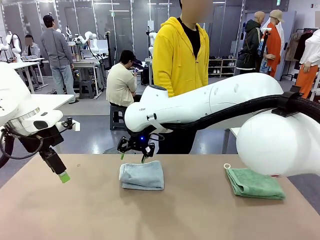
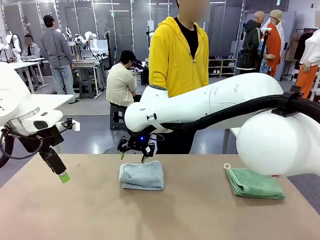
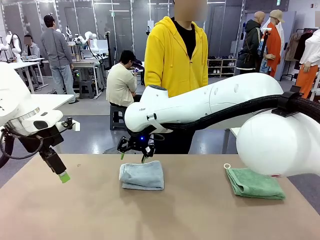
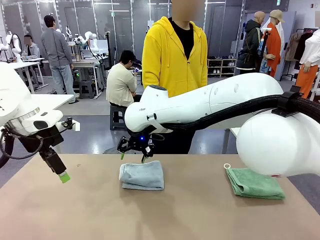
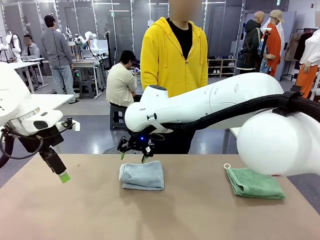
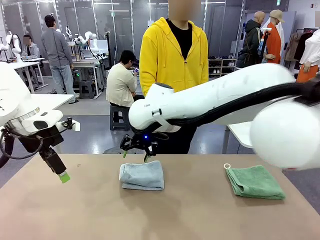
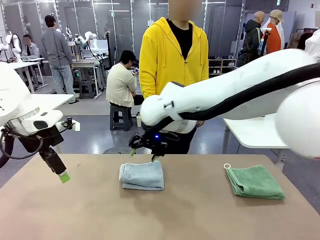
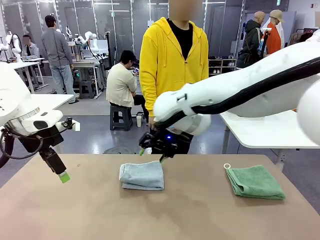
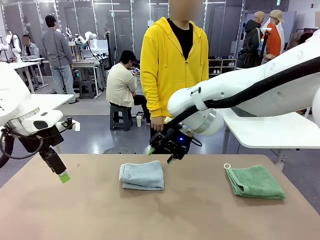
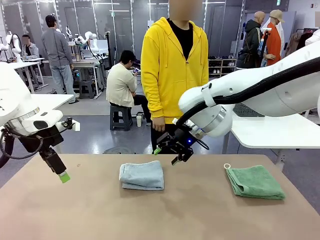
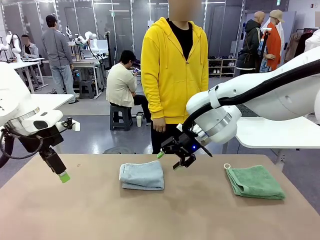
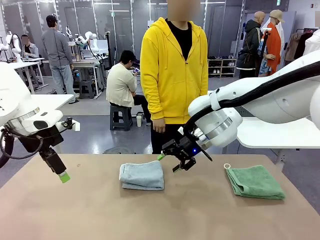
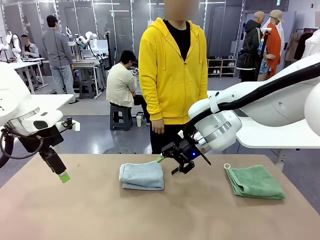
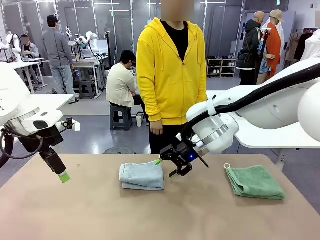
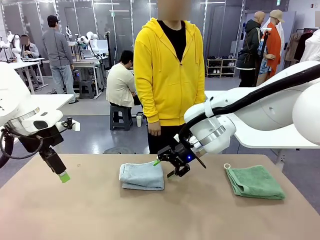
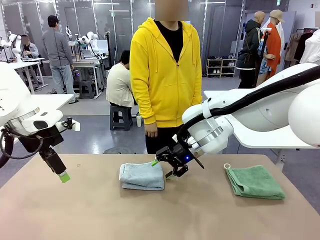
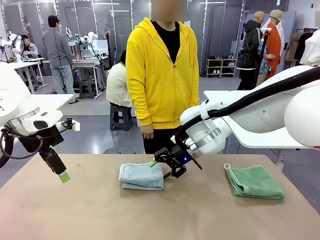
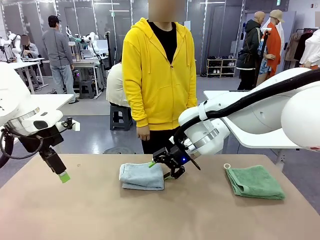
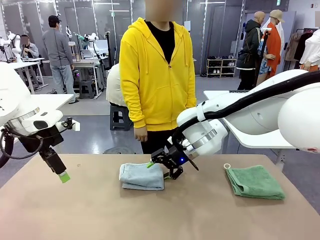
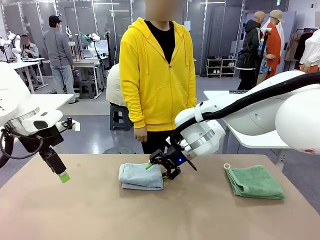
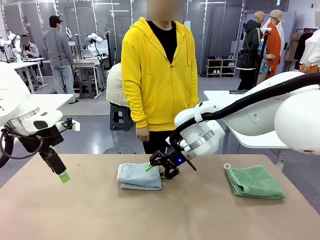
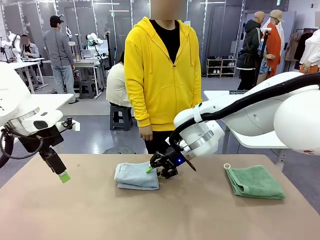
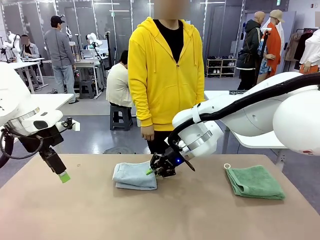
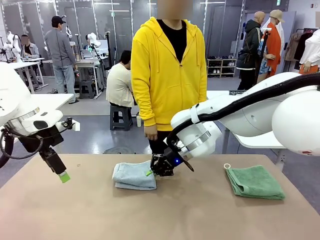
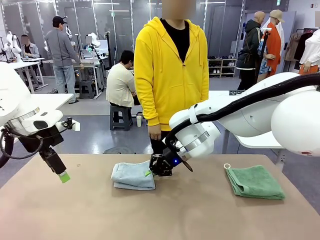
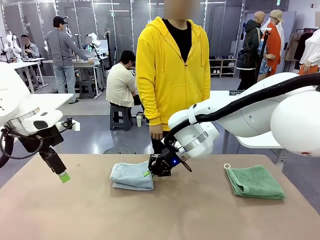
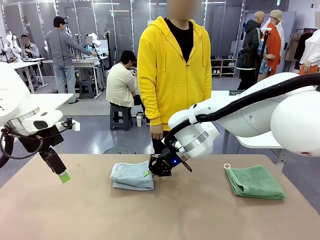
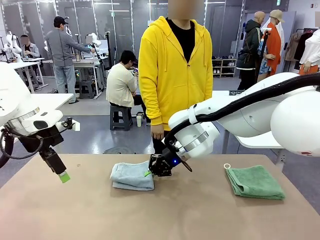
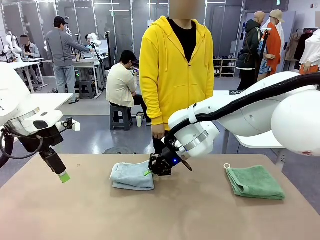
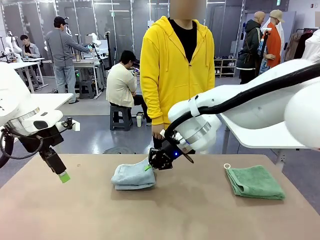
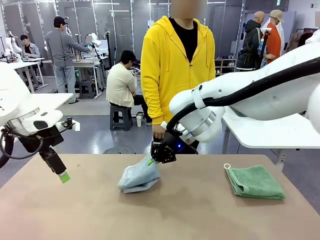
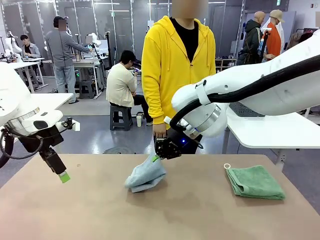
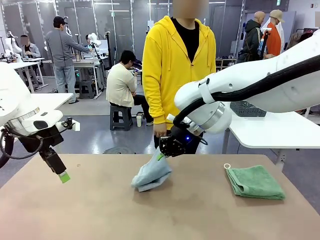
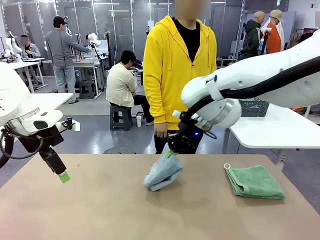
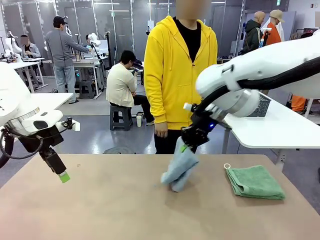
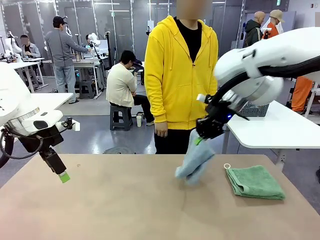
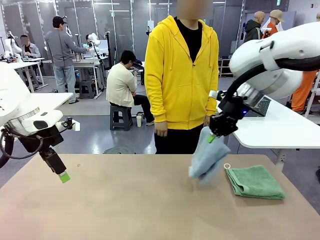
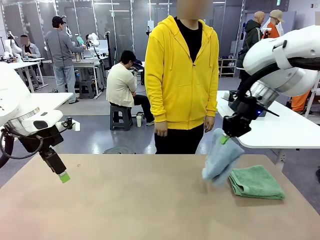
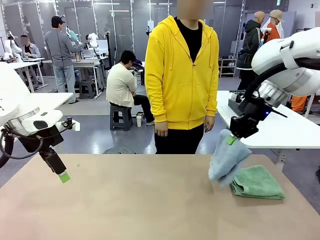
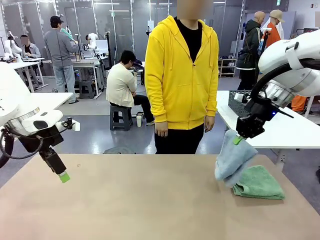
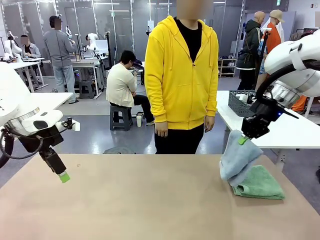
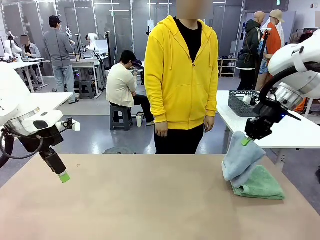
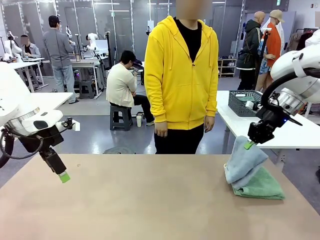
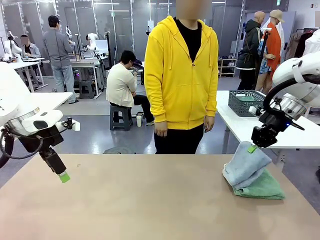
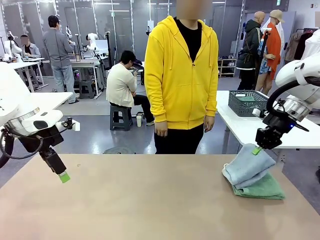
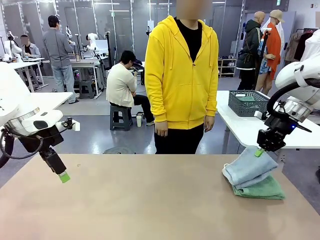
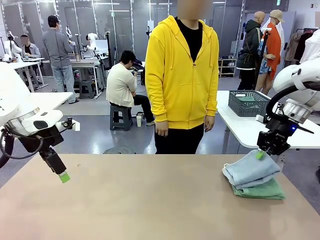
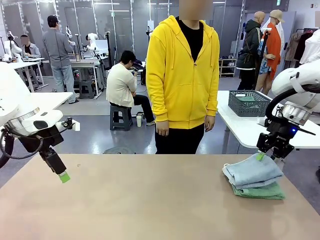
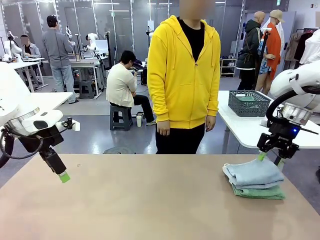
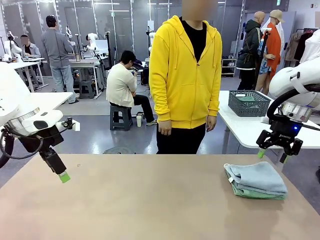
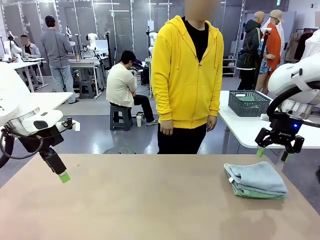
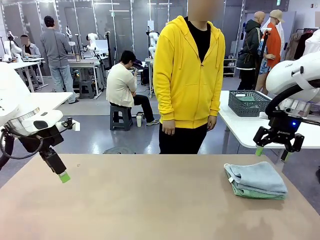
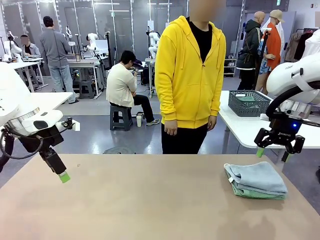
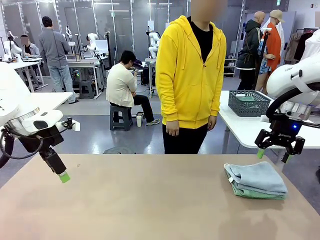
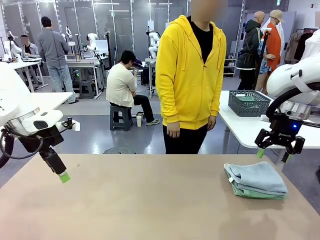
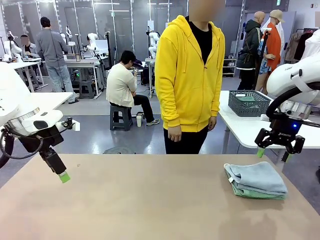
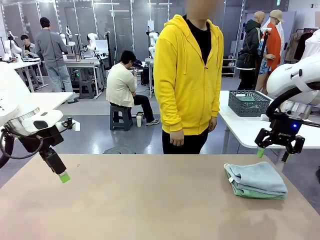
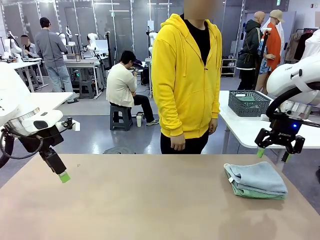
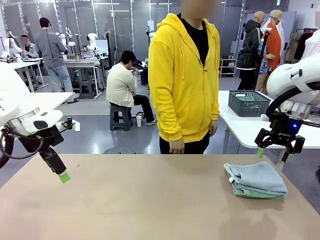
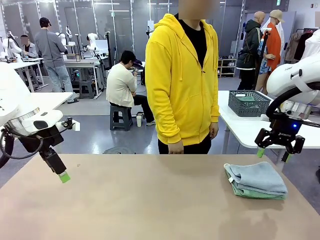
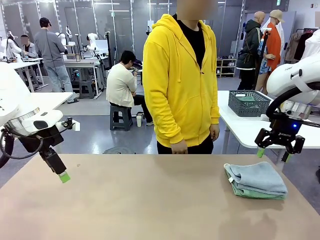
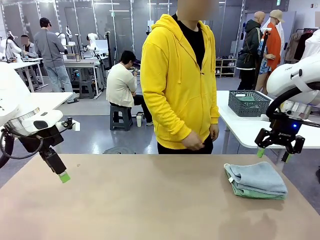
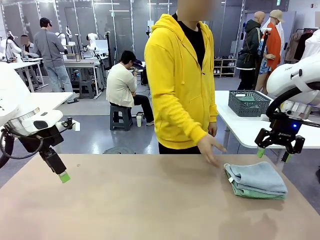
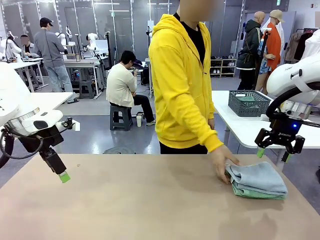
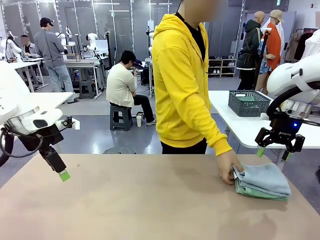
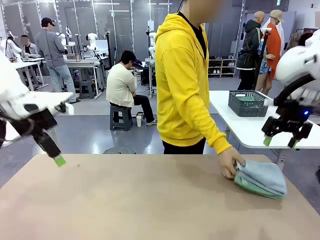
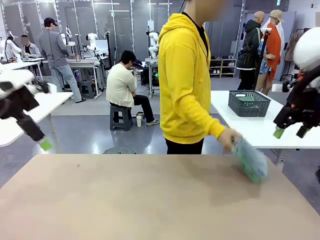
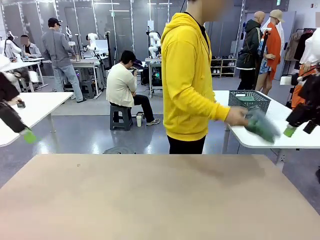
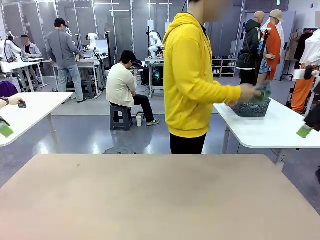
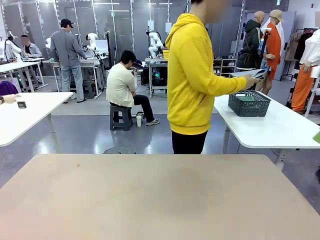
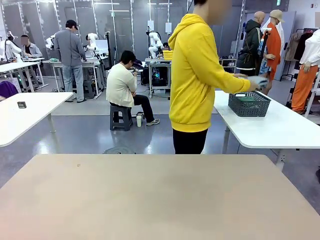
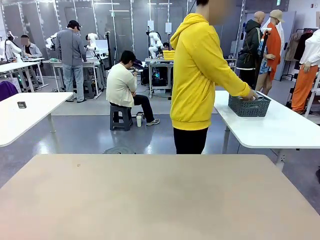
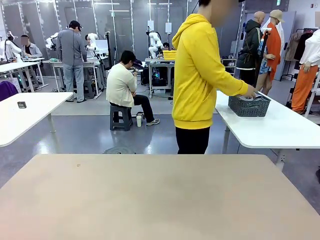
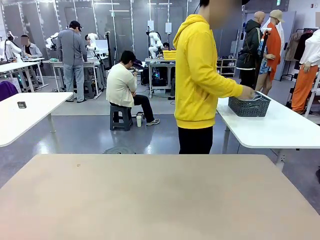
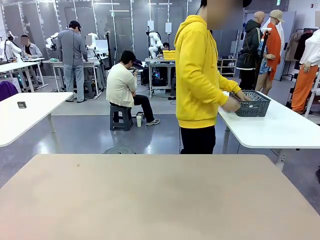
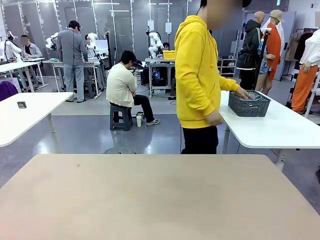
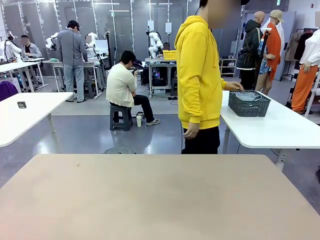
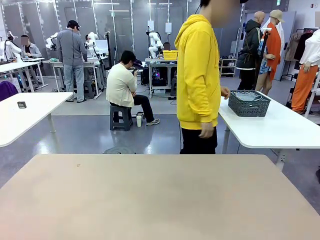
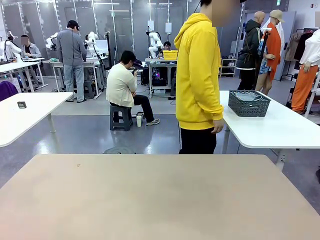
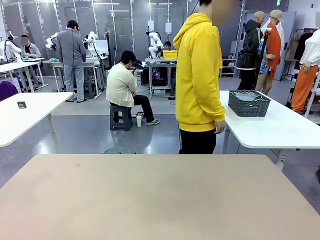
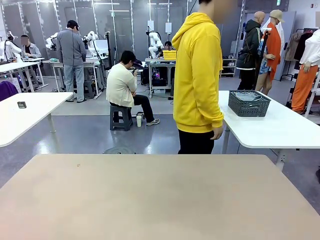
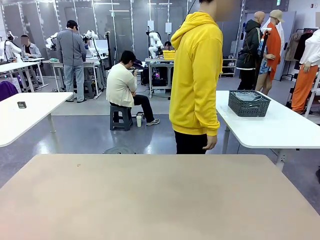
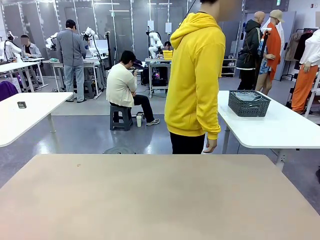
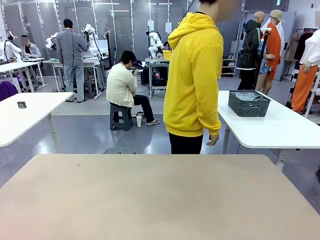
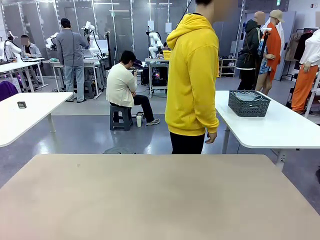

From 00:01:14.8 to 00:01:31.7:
Task: Fold the towels and place them in the basket.
Robot: Stack the folded Towel with hook on the right side of the table.
Person: Pick up the stack of towels from the robot table and place it into the basket.
